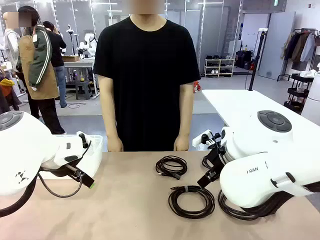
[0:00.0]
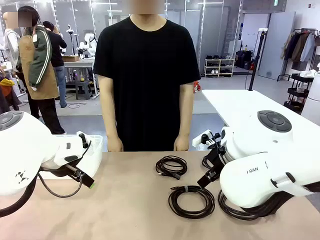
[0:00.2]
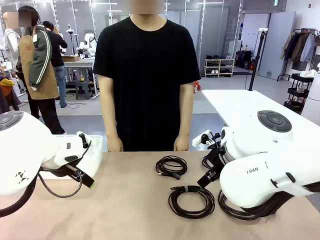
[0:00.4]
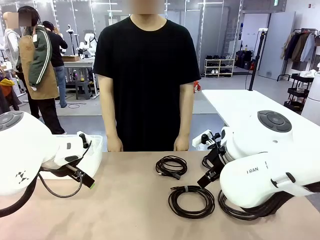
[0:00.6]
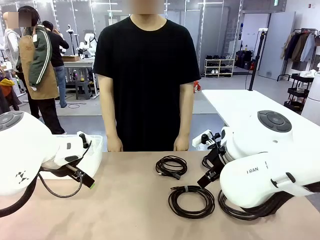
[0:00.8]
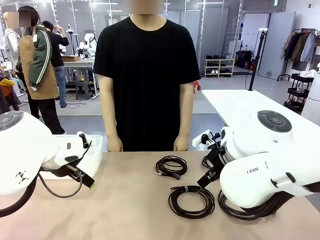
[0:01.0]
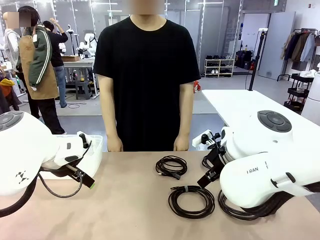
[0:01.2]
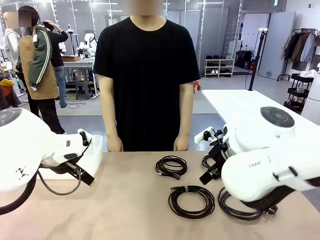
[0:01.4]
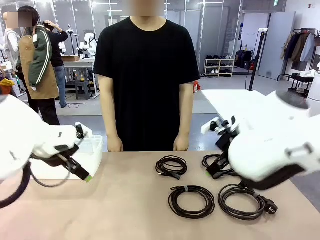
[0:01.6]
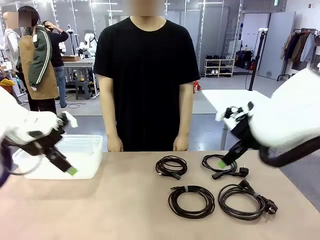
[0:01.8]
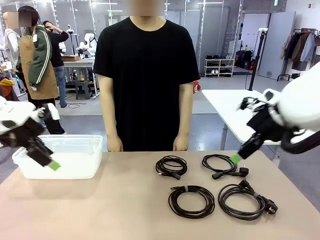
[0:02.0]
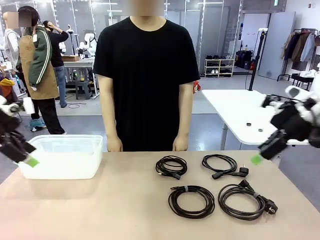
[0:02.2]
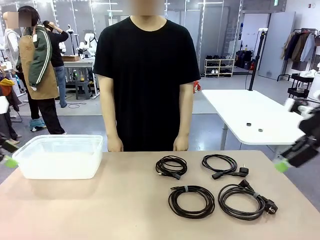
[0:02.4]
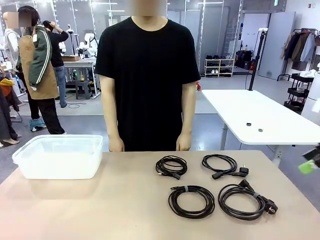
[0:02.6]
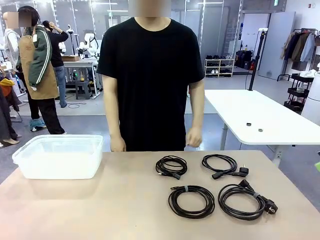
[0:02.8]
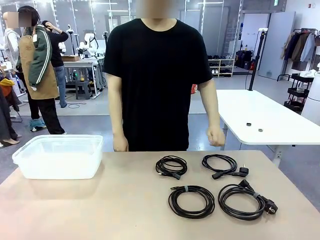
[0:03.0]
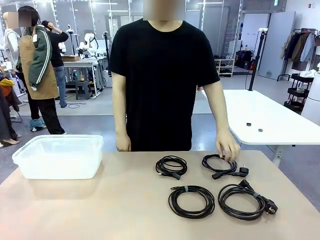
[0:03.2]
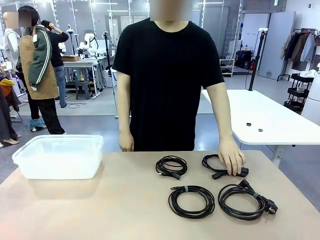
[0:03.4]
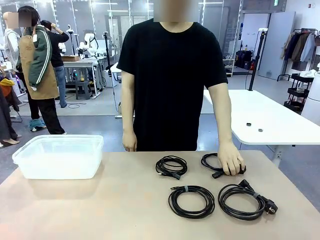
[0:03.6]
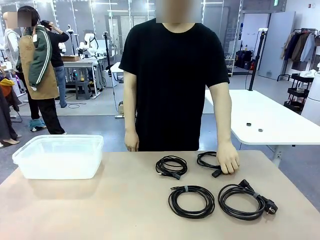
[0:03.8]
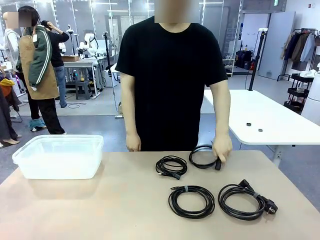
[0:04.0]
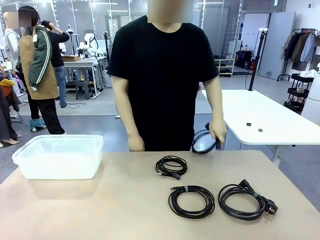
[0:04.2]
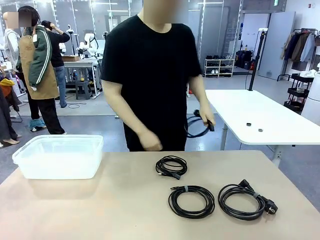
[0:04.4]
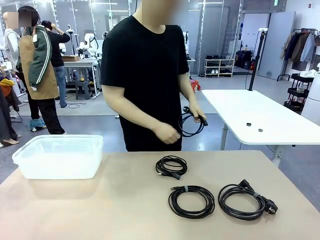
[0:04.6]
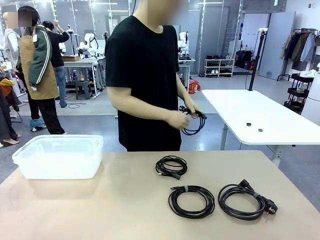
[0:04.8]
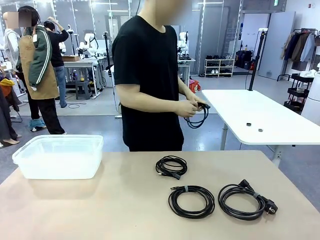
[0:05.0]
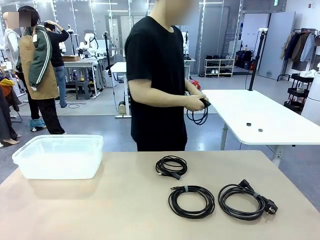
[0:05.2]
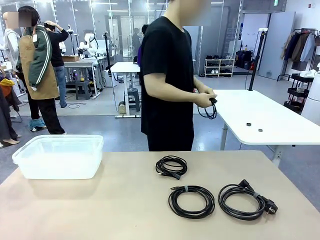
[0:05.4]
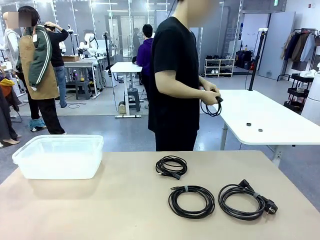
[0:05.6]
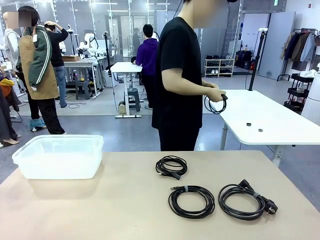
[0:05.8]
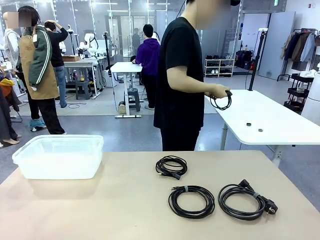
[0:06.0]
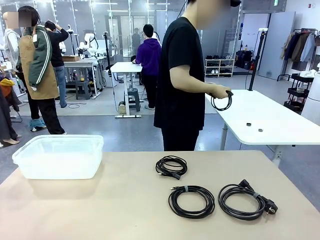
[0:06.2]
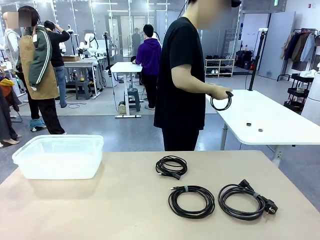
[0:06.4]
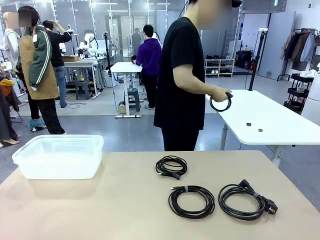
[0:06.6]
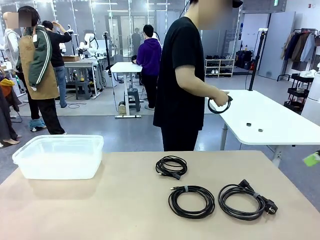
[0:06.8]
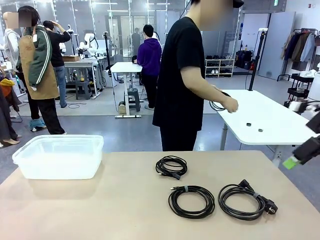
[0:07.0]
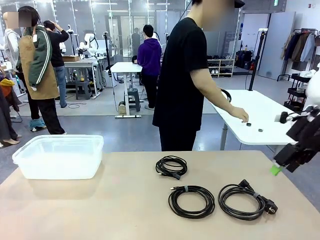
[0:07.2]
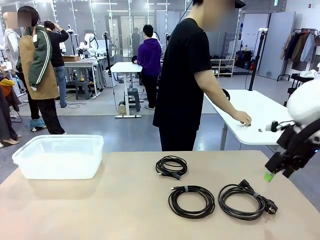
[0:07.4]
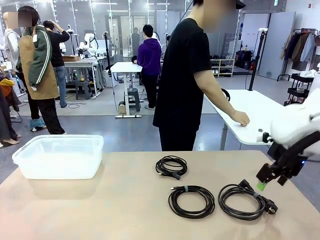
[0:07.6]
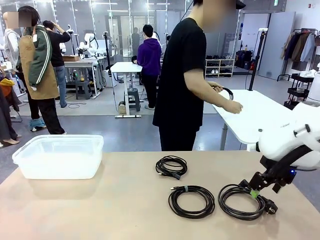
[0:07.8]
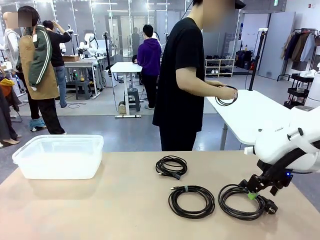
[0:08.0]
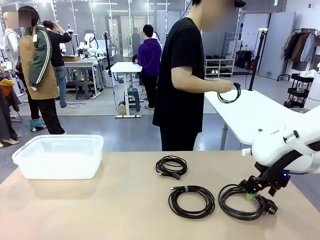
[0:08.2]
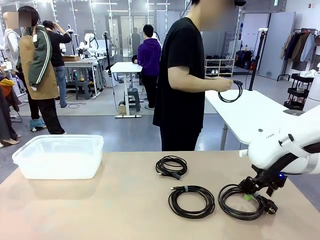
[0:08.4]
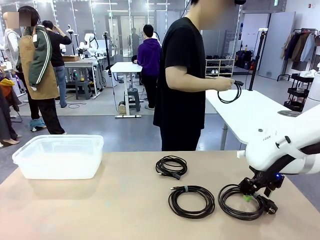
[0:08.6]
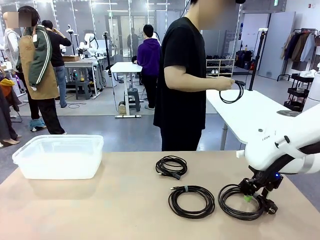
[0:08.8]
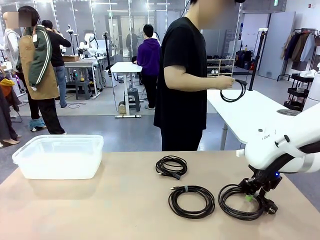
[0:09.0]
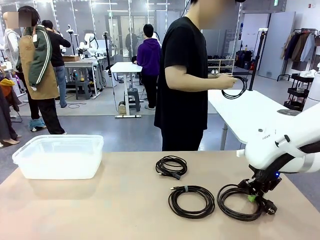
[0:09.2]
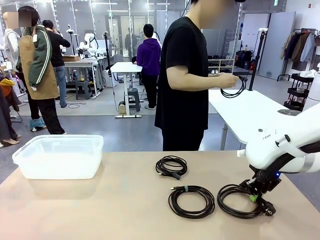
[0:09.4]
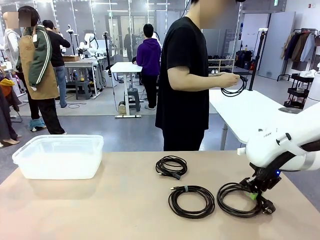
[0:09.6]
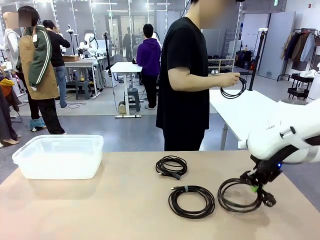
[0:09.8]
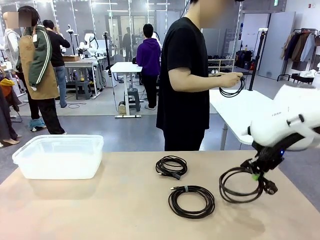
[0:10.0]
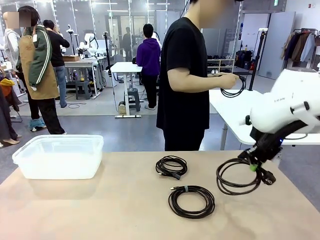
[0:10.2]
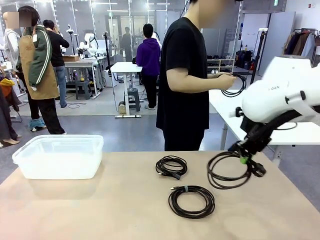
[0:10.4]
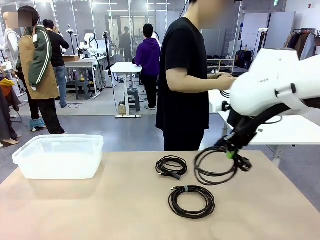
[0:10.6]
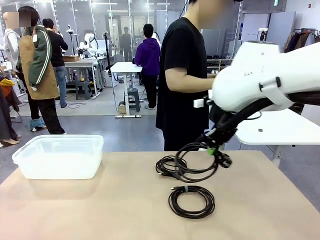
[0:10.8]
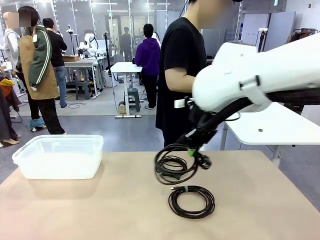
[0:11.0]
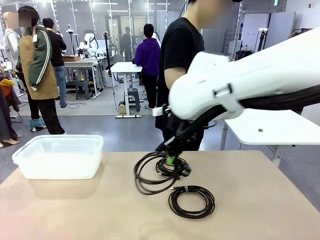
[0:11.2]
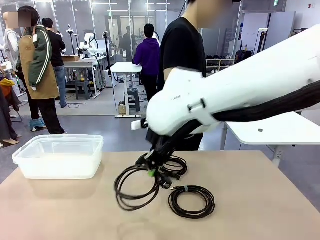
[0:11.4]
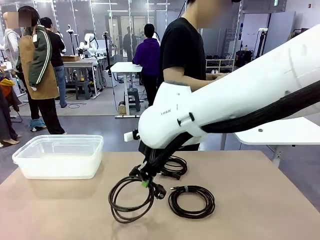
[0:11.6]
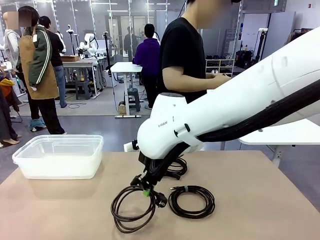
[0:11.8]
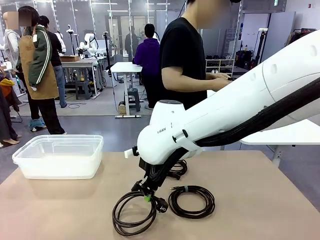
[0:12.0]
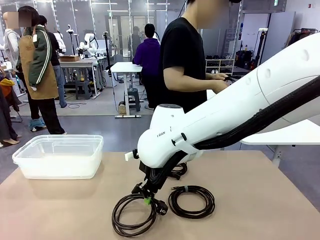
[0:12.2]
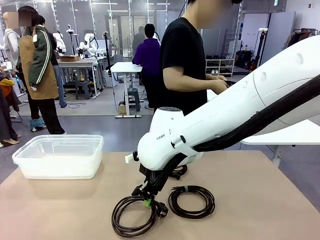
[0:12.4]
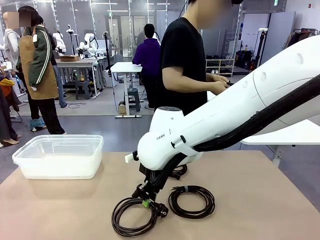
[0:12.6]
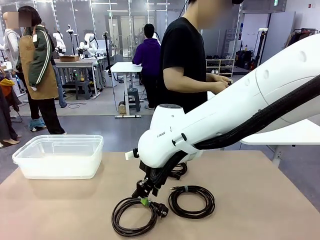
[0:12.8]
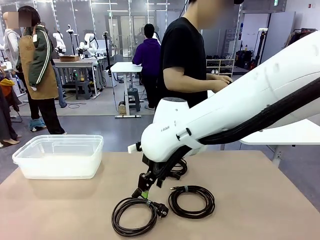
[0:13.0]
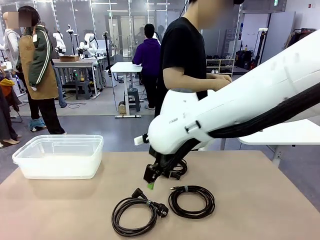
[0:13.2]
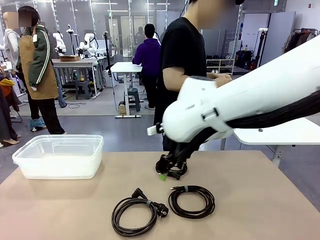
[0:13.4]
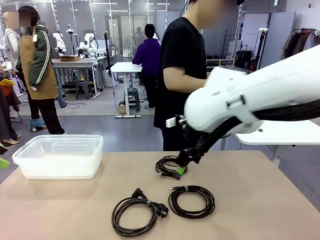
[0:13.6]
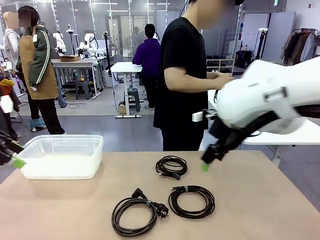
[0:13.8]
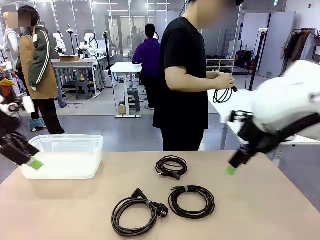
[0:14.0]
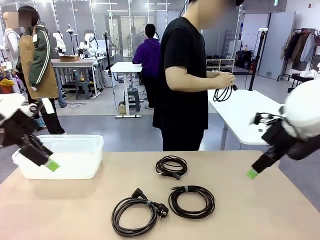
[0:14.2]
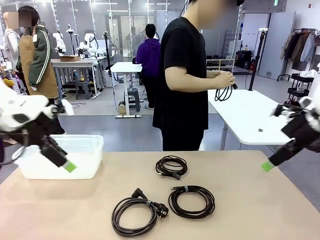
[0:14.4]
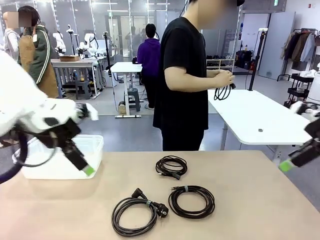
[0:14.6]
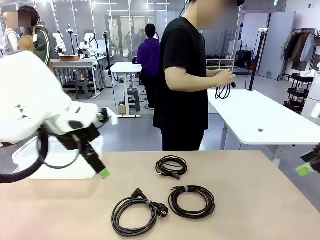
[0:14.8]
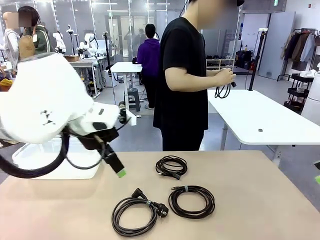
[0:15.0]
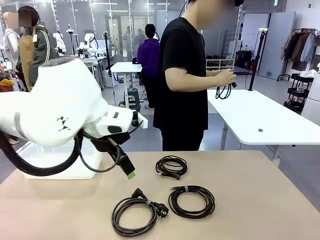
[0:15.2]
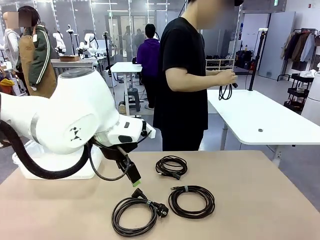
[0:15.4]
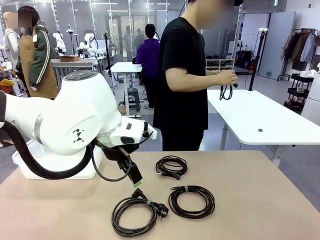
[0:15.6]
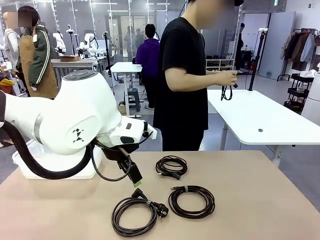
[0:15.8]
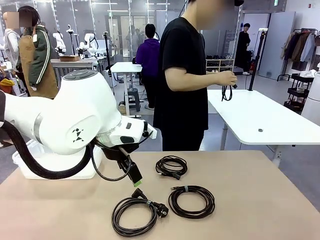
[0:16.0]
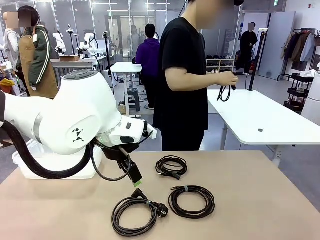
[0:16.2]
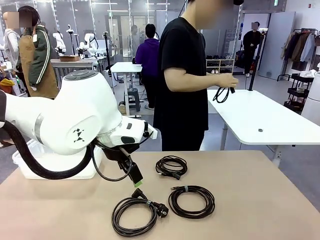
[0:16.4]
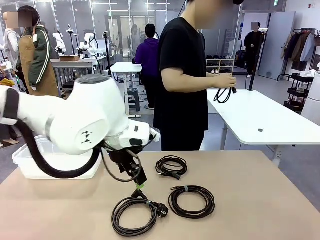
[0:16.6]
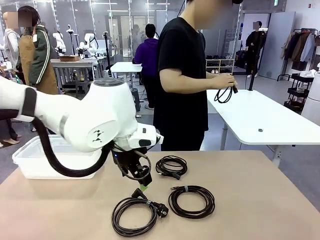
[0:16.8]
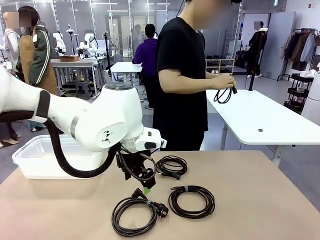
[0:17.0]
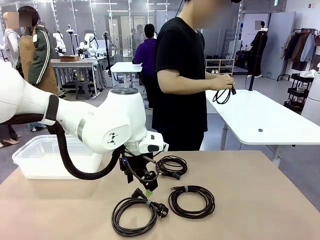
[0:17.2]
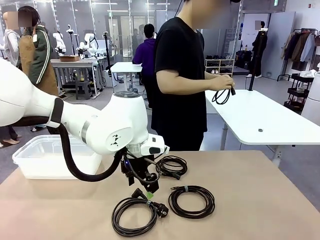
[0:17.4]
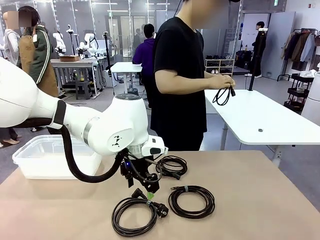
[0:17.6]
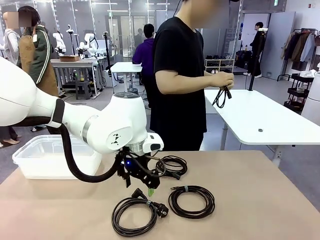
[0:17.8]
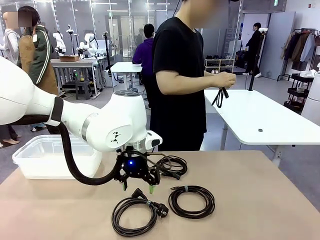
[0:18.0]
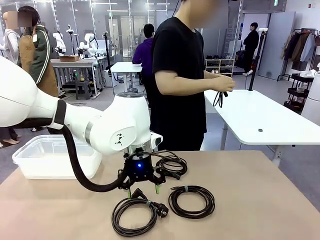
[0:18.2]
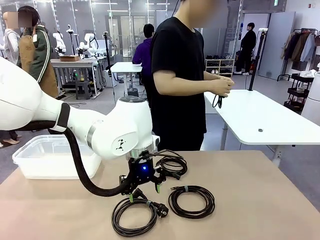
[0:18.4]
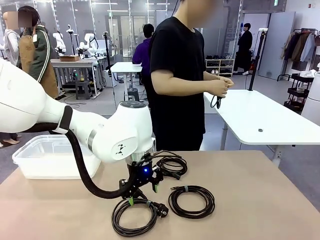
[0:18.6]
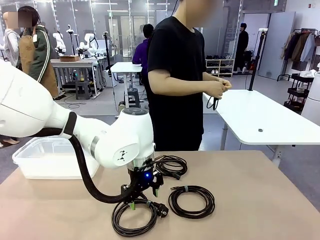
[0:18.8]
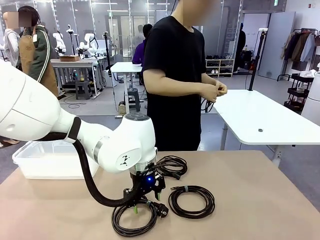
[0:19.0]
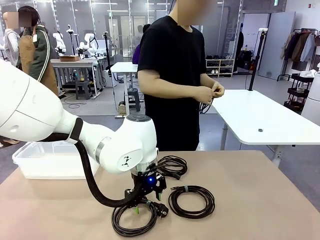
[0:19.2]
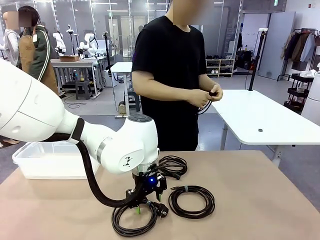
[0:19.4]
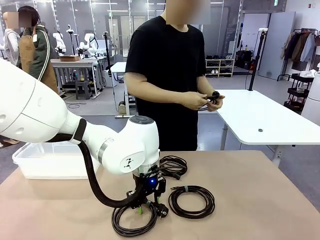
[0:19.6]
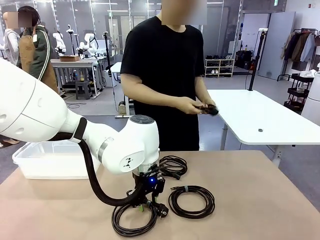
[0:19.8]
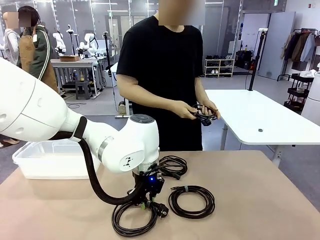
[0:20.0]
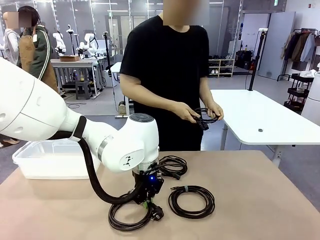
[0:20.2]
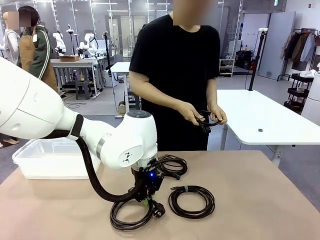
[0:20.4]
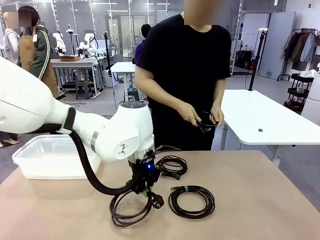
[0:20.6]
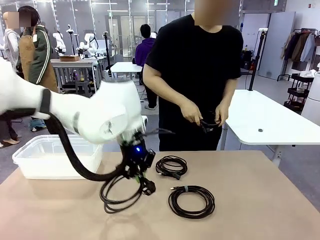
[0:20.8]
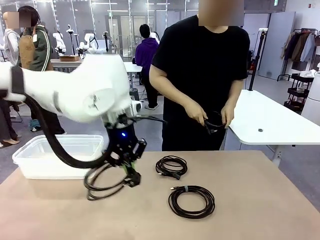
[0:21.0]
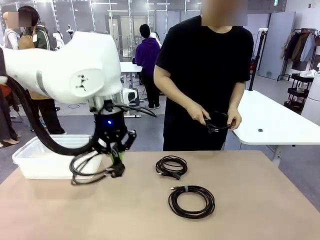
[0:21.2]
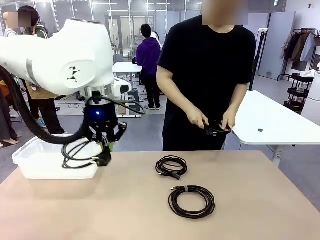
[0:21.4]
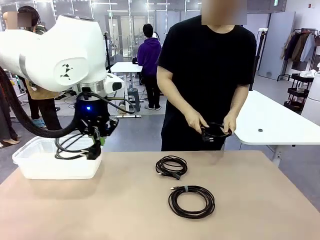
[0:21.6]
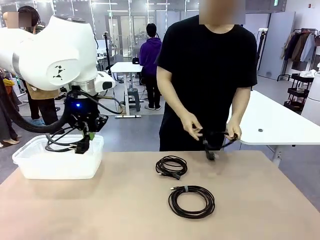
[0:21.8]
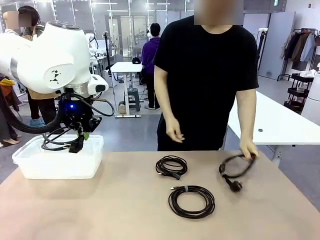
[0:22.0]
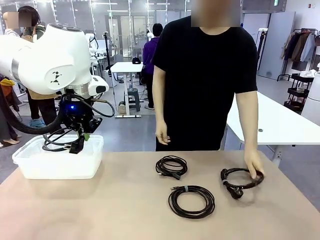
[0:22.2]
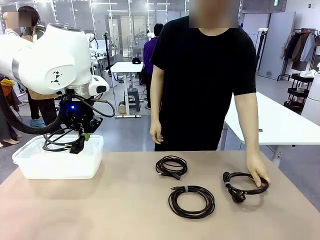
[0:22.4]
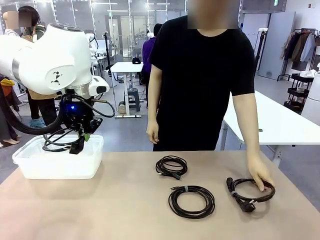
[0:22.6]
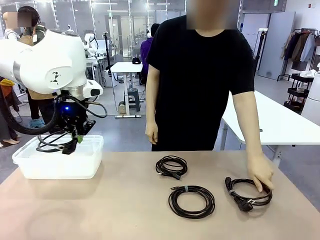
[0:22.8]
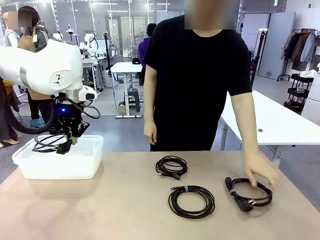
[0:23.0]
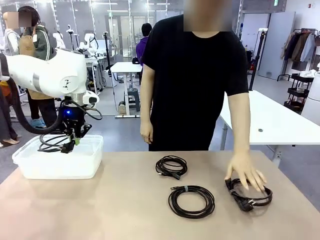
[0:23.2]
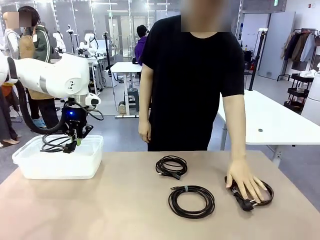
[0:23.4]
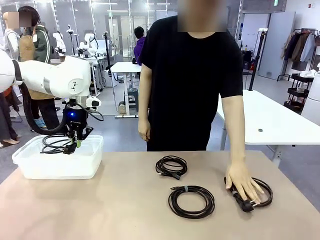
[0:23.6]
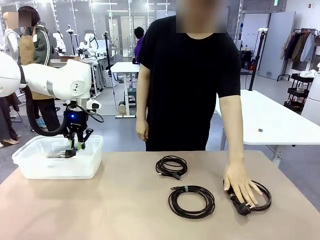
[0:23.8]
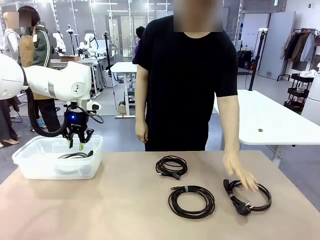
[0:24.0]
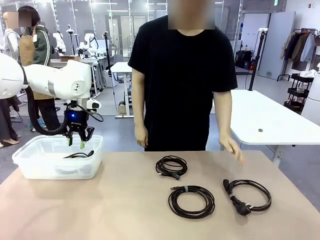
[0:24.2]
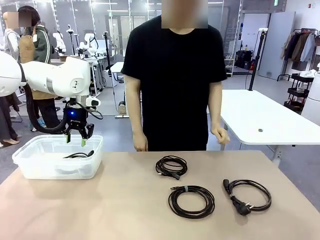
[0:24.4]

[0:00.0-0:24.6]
Task: Organize and store the cables.
Robot: Place the Power Cable into the Organizing box.
Person: Tie one Power Cable with a Reusable Cable Tie.
